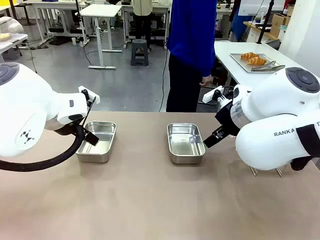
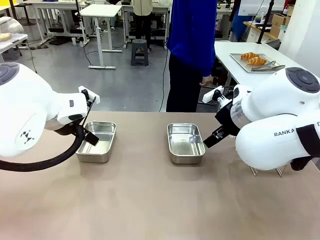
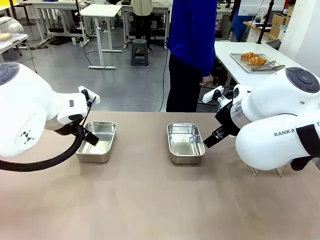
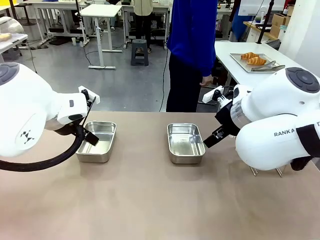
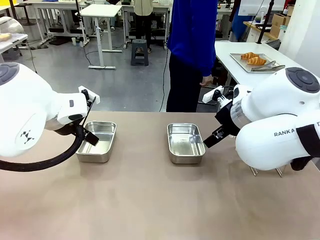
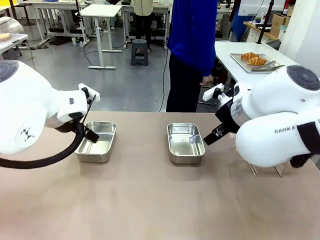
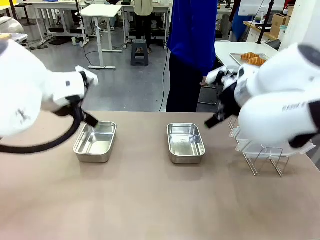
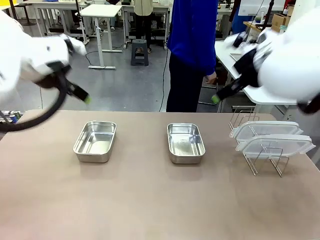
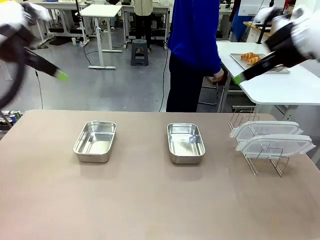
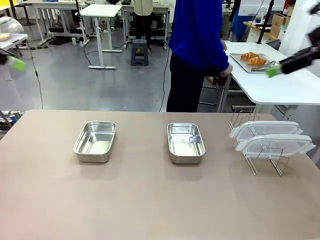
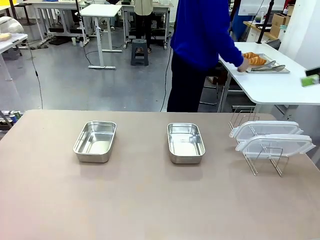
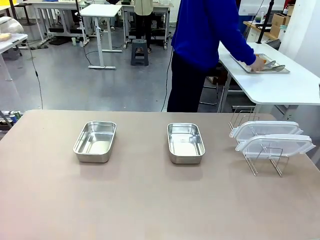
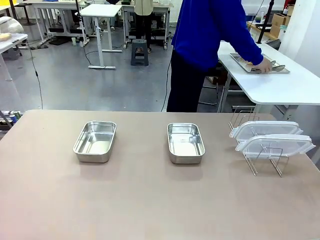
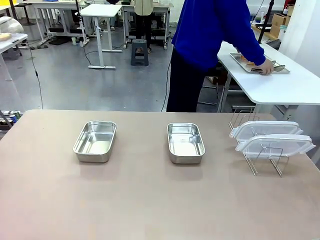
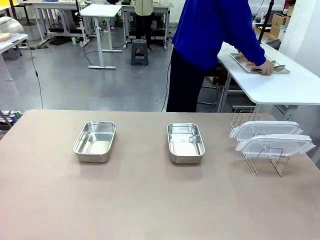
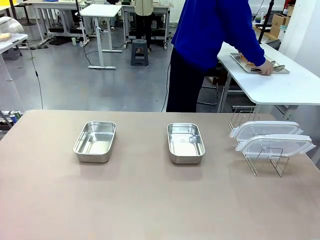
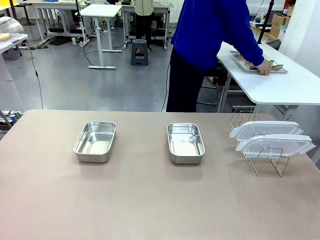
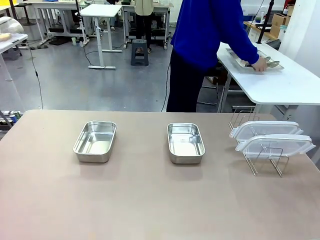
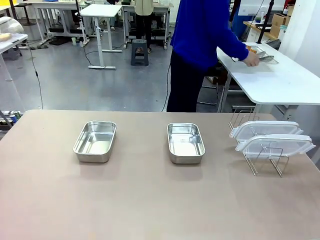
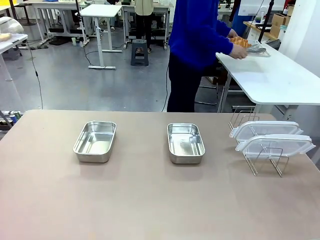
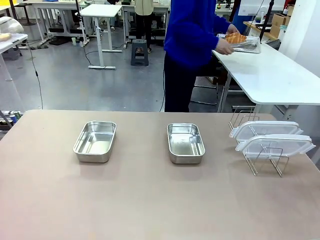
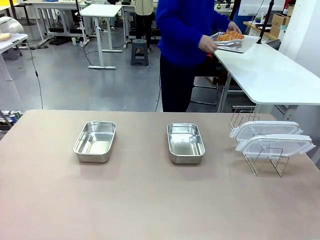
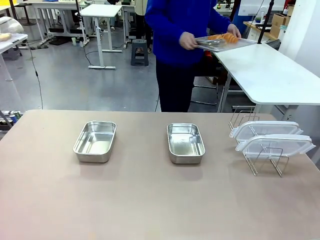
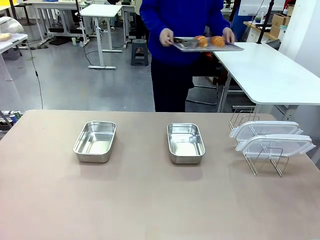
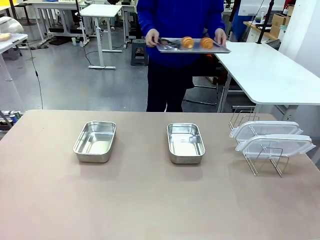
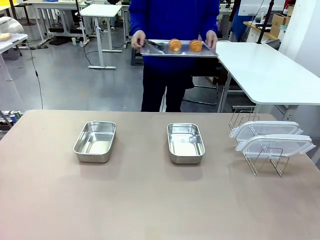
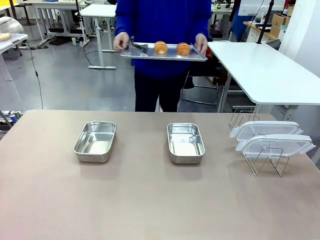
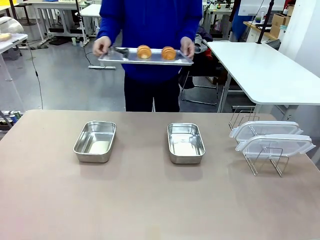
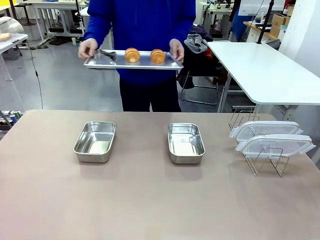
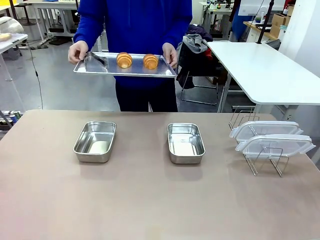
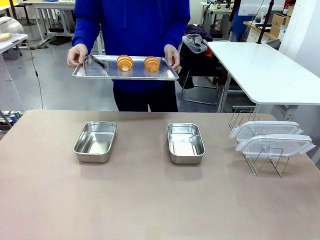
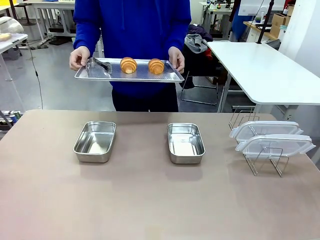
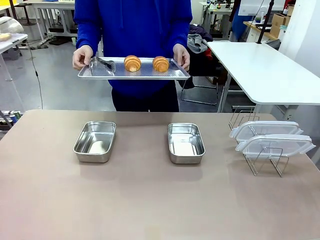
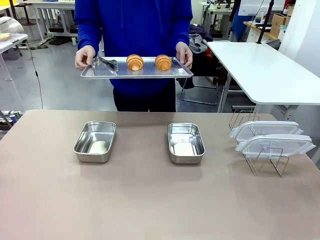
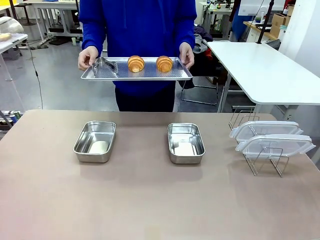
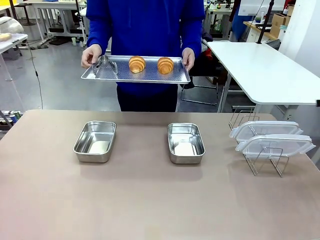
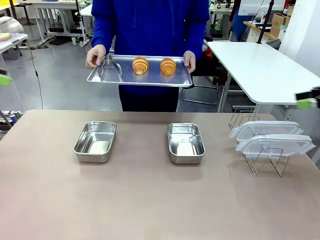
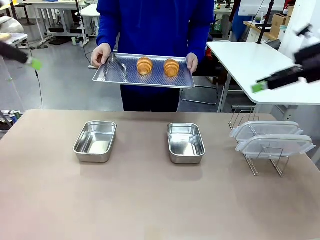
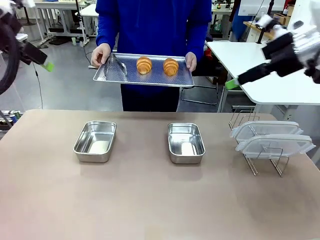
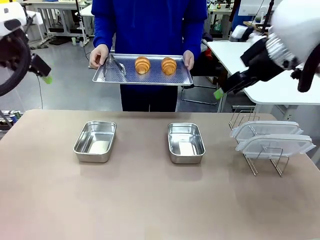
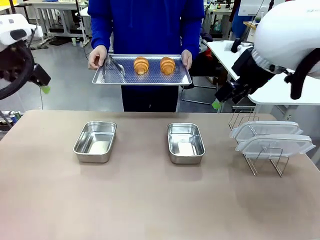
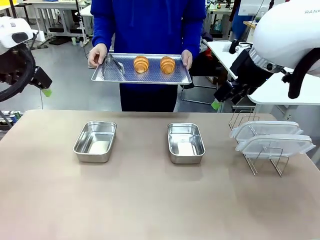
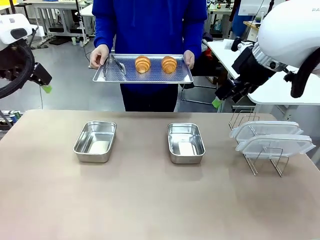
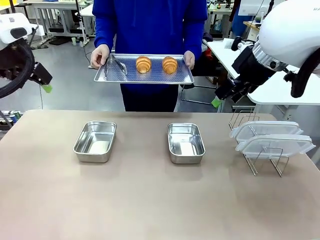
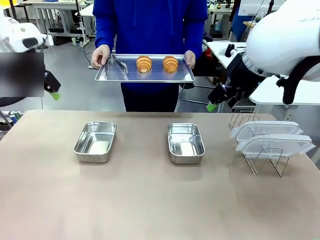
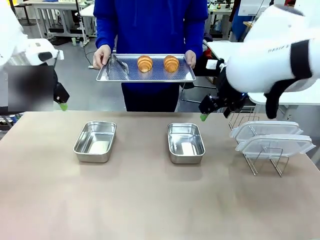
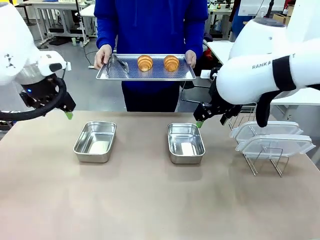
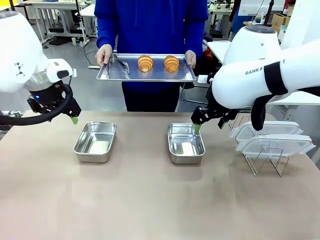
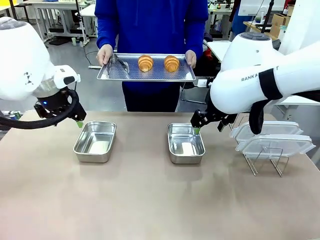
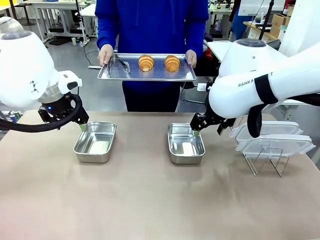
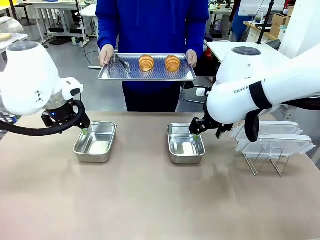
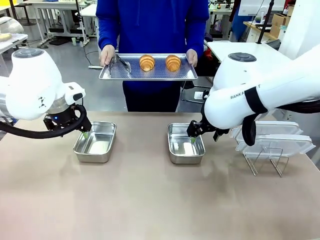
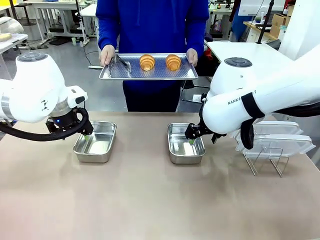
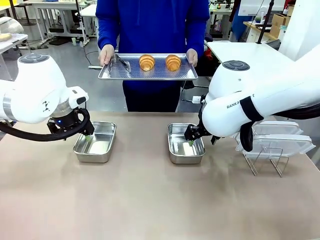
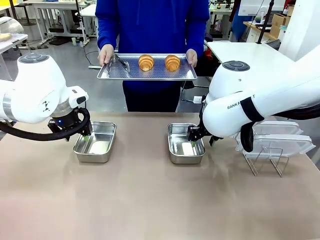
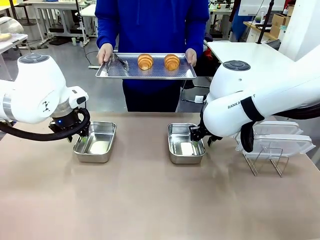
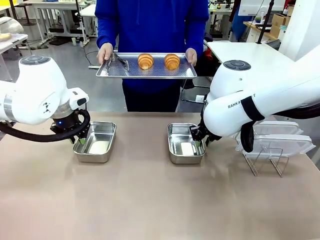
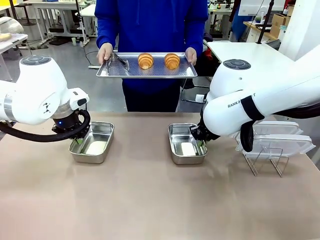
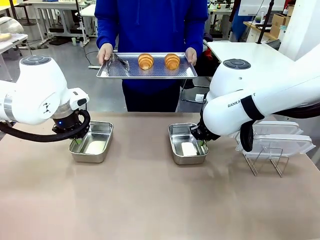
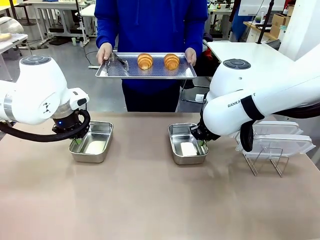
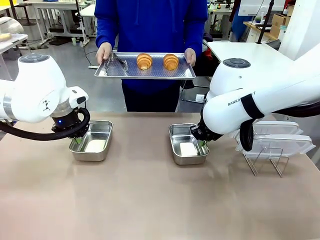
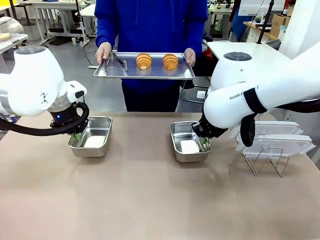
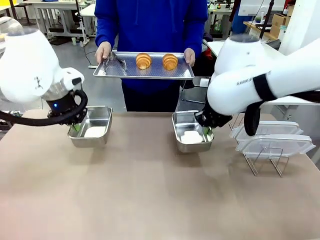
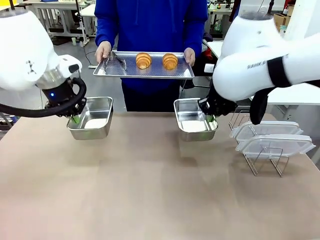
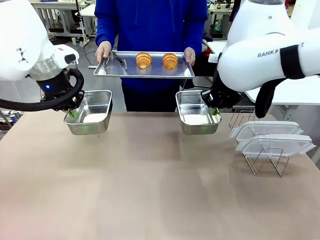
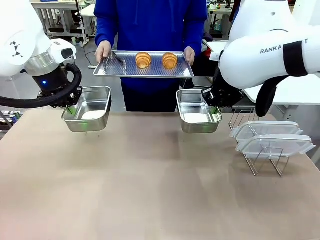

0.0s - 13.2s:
Task: Place the bread in airtight containers.
Robot: Lift both Airtight Container.
Person: Bring the Baking Sheet in front of Robot's Table.
